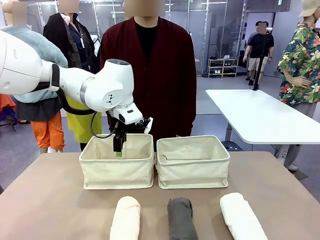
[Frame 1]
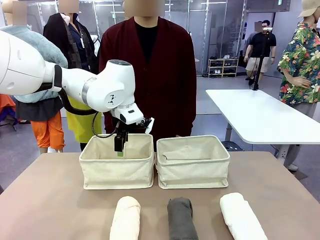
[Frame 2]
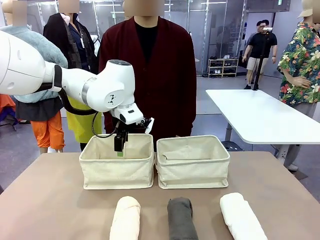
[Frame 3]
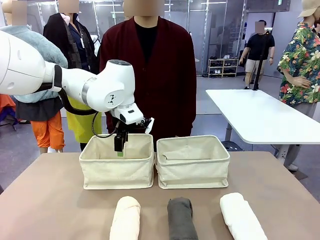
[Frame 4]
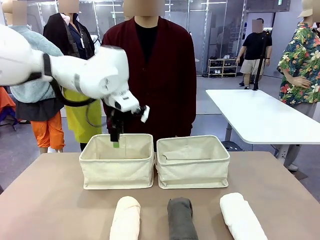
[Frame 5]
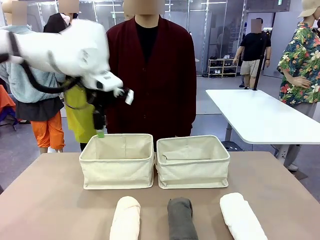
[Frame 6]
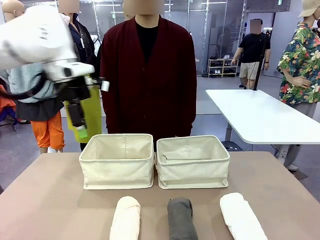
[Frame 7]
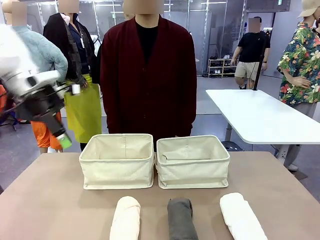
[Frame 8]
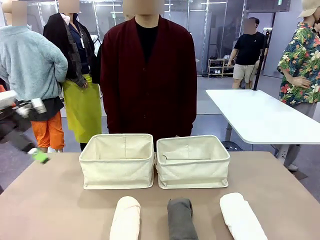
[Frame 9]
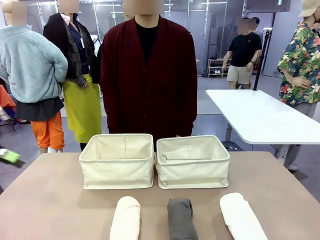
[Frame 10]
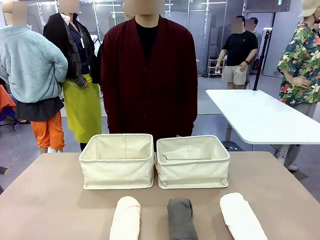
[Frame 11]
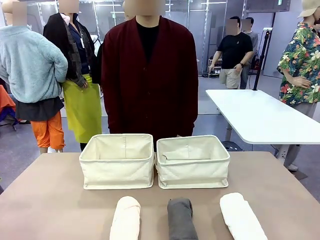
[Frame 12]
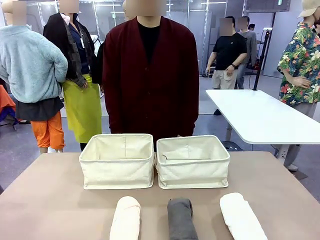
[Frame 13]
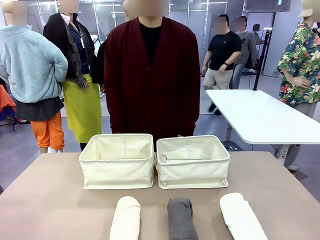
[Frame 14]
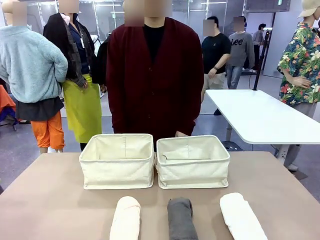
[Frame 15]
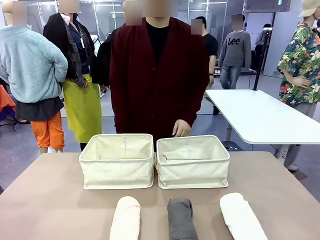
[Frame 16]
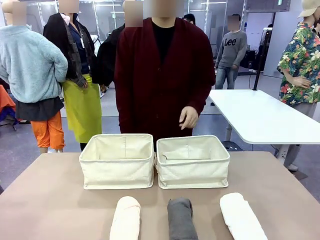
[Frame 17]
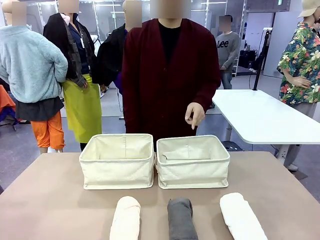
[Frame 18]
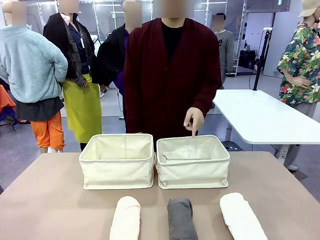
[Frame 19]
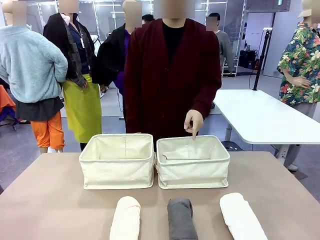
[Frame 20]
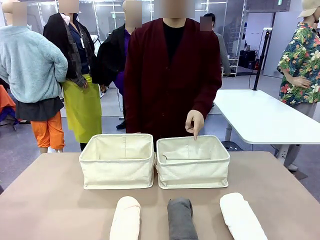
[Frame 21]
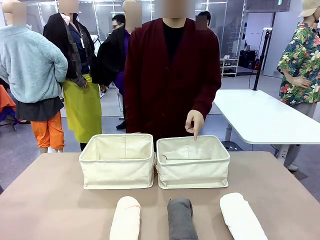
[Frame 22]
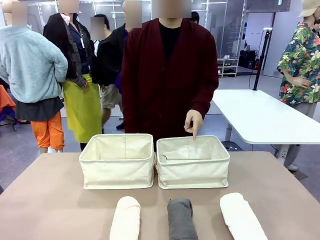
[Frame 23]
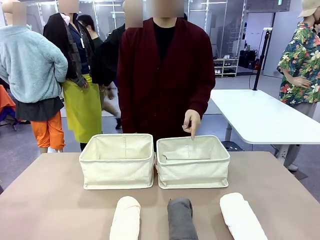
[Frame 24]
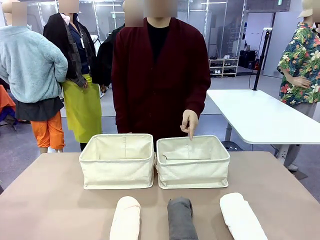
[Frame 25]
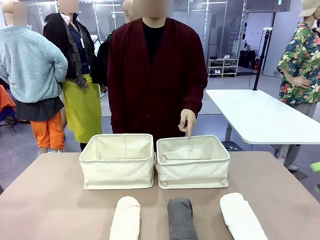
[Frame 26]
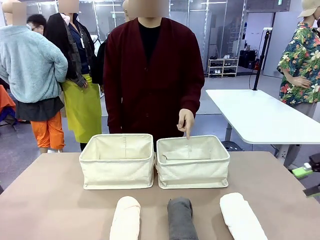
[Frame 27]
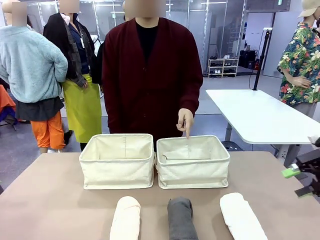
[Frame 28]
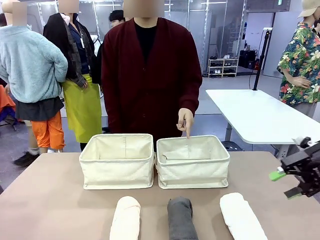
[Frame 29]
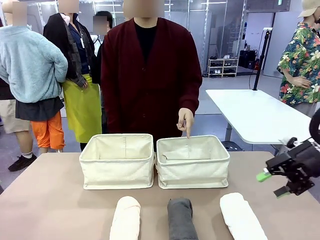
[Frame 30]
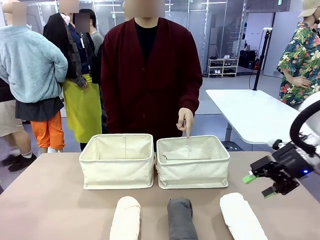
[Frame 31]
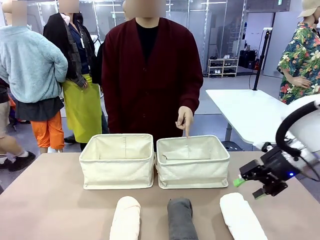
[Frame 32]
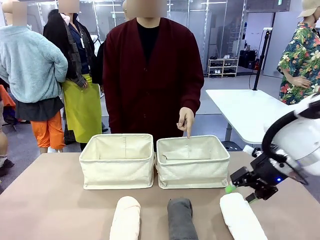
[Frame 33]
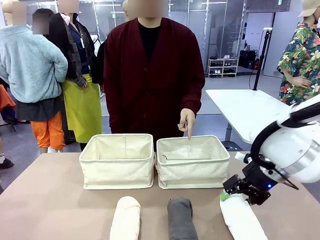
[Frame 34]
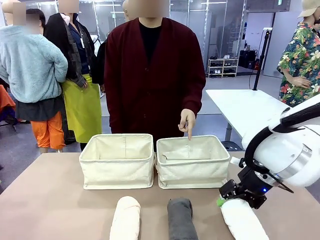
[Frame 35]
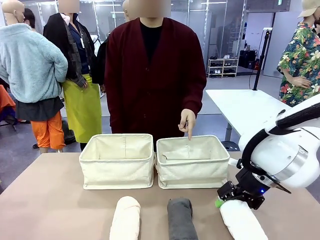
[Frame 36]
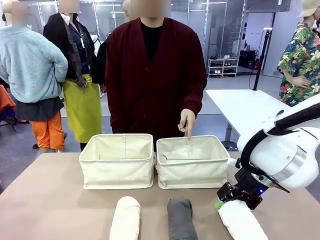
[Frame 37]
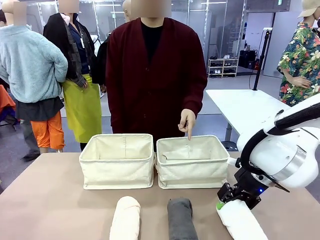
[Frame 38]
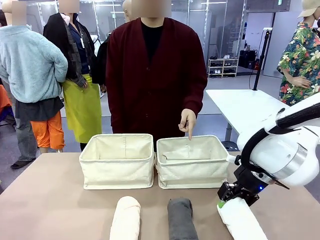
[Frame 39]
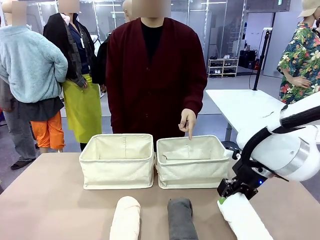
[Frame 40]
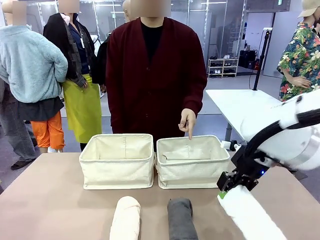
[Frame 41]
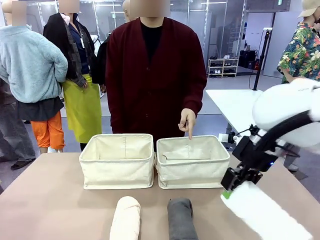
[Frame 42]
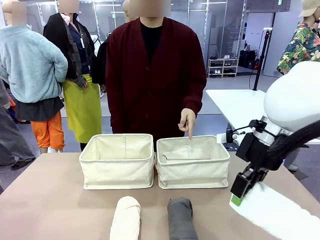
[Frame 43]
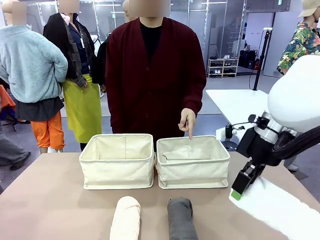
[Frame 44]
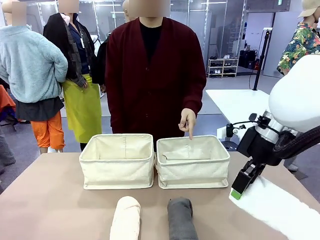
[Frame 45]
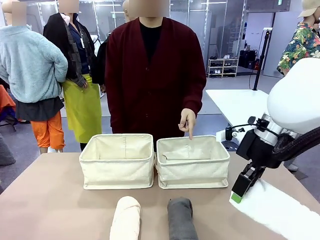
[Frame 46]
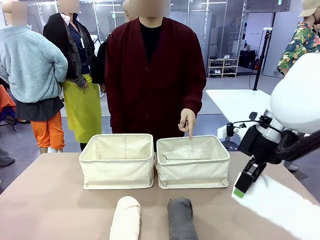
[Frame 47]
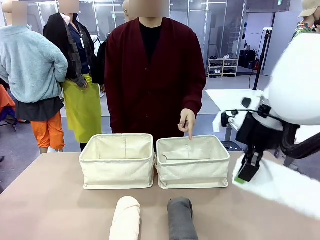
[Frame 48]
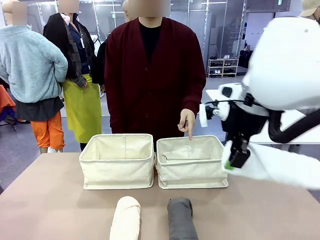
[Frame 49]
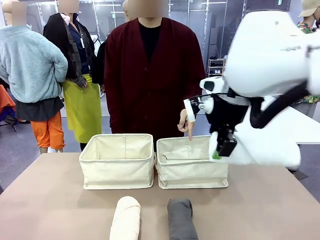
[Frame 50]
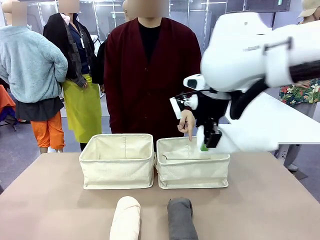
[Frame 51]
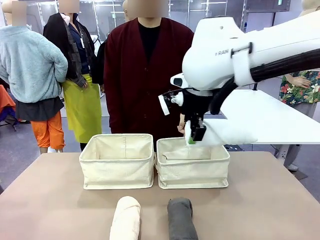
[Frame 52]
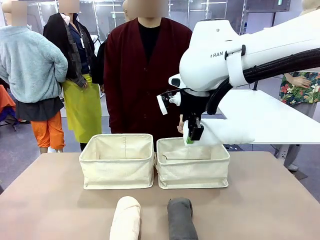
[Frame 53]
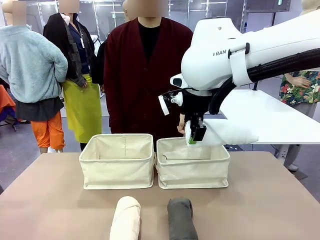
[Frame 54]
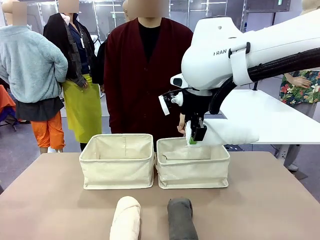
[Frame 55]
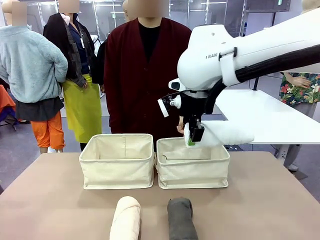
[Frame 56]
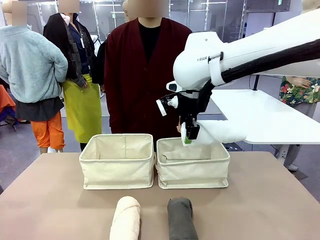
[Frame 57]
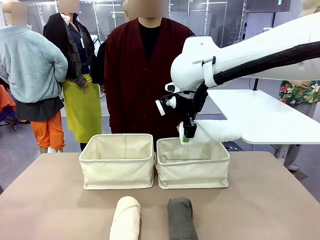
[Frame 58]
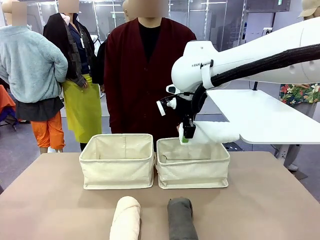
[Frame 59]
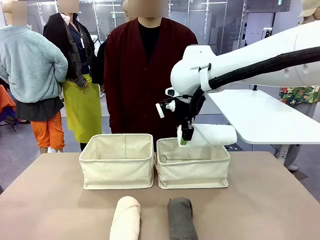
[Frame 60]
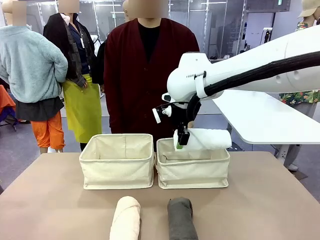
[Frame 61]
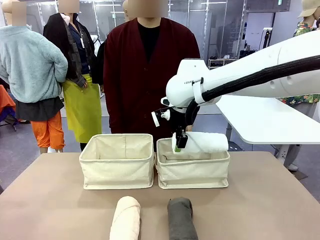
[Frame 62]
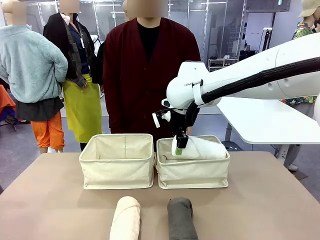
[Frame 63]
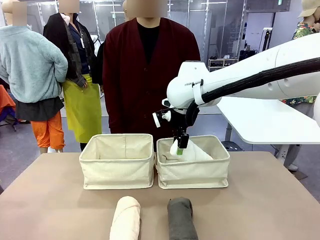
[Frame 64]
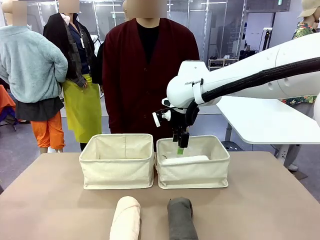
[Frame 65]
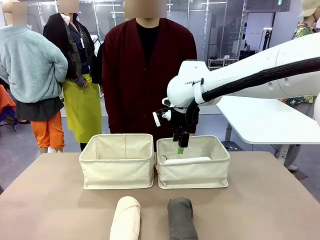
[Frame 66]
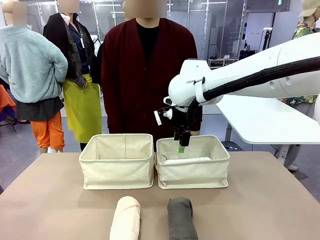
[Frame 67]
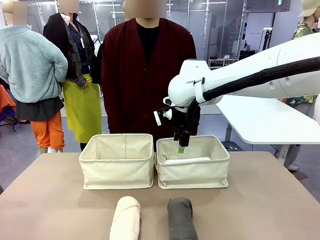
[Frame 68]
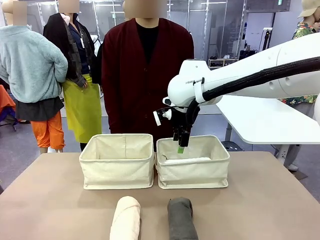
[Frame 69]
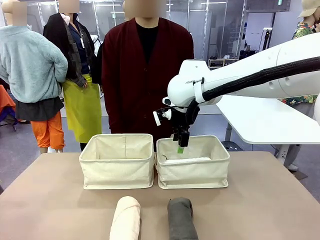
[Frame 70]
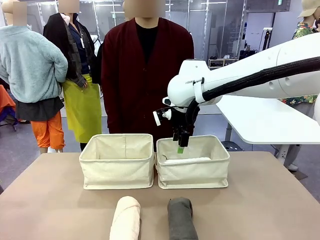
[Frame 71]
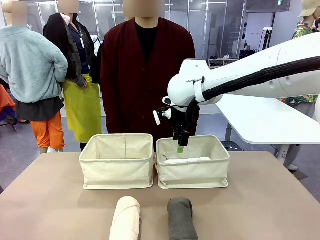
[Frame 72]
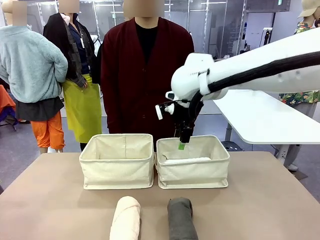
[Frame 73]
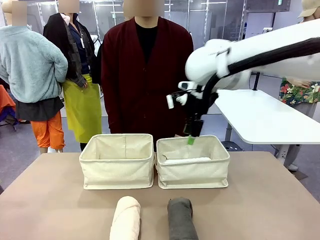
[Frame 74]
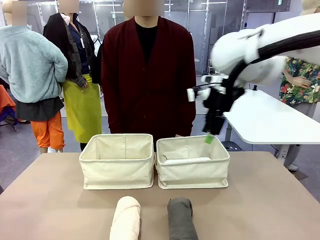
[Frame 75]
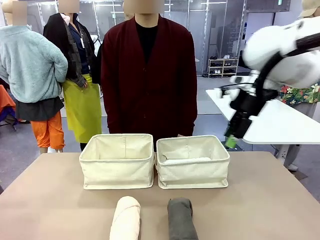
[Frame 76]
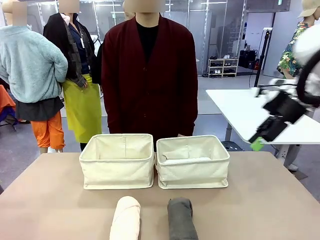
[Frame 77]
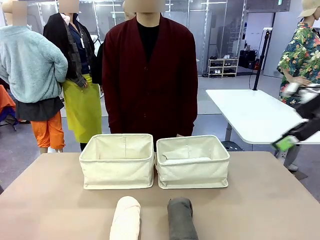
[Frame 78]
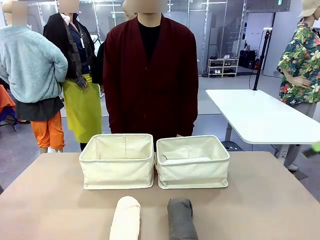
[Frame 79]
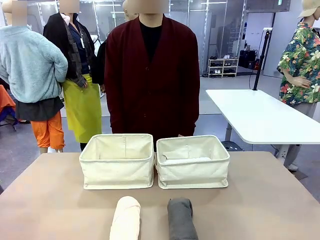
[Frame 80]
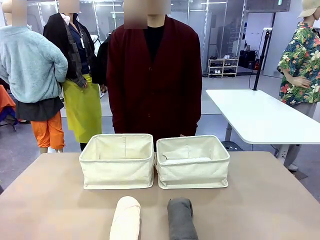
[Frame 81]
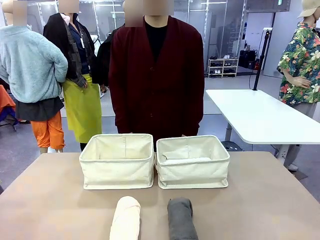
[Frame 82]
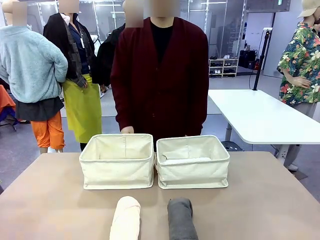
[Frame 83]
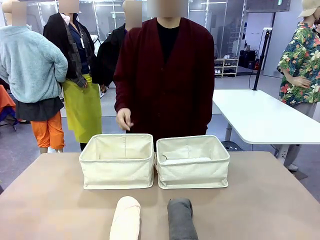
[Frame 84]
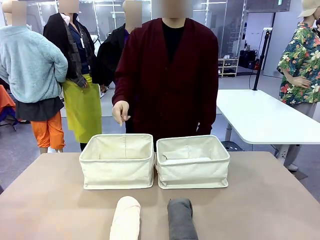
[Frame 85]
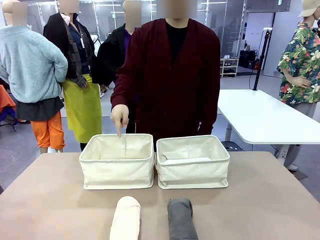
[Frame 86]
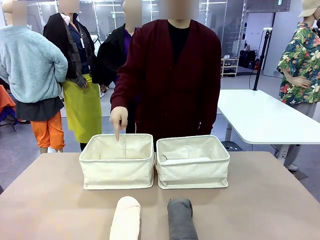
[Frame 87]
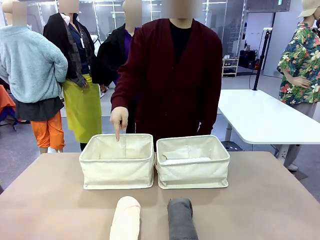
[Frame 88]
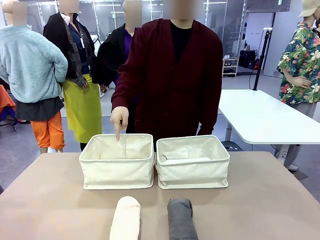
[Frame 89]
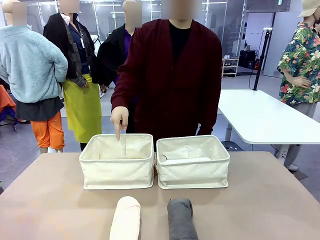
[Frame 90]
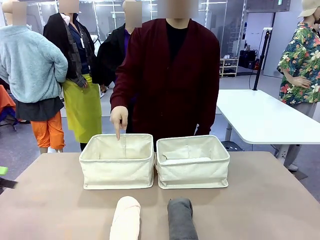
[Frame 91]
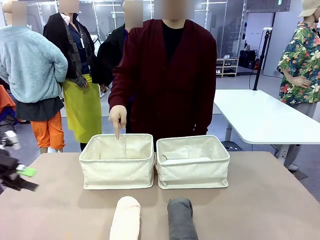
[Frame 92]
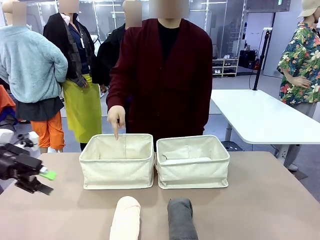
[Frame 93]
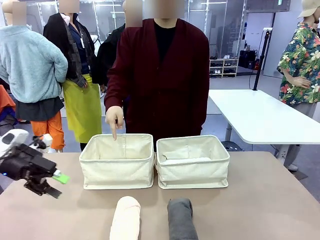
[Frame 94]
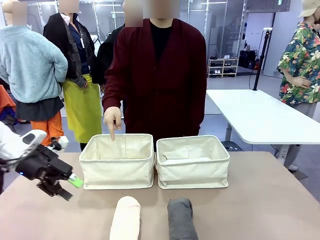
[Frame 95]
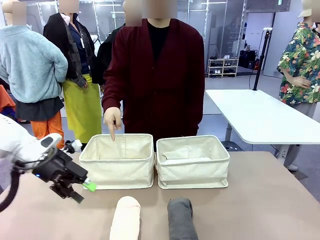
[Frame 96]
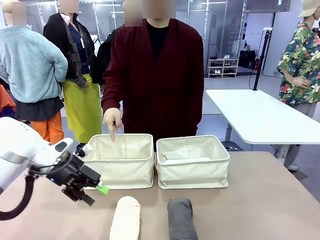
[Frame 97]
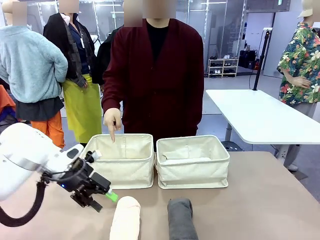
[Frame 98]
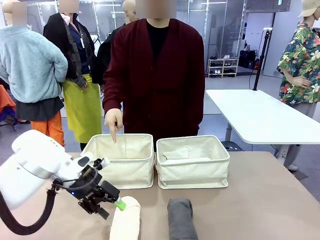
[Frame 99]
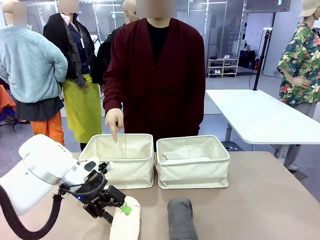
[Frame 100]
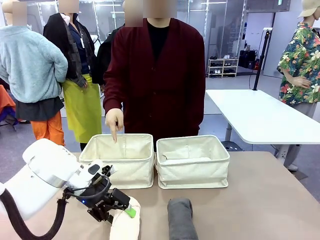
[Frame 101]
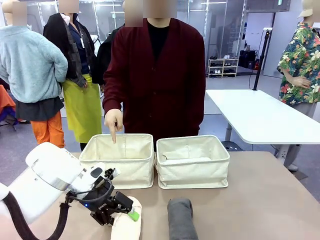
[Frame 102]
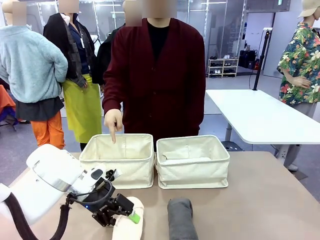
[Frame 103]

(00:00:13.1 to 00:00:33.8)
Task: Divide the towels into two baskets.
Robot: Pick up one hotel-folded towel from the bottom of the table and place it in the Fabric basket indicated by the person.
